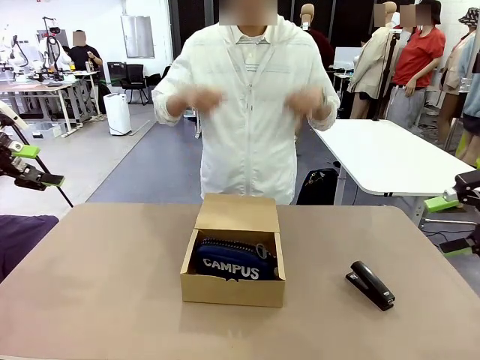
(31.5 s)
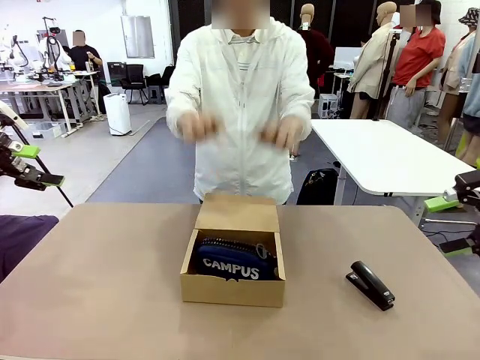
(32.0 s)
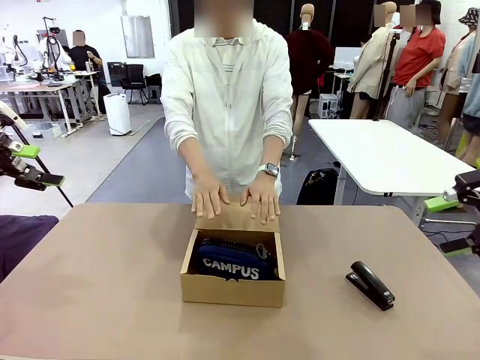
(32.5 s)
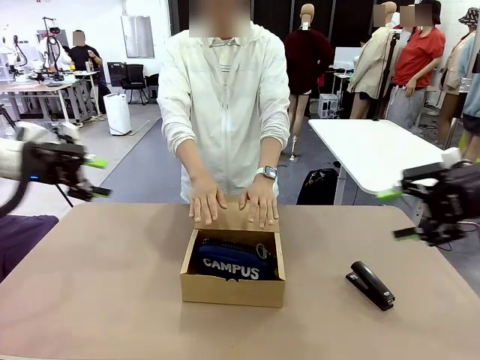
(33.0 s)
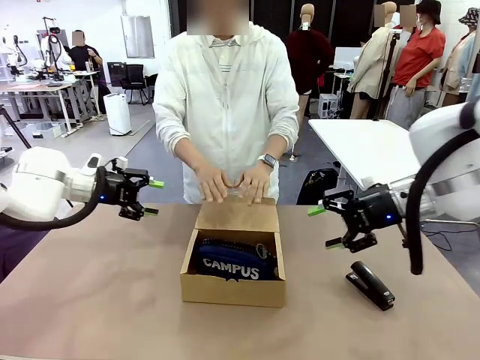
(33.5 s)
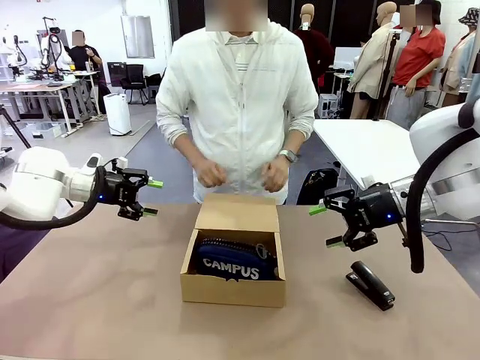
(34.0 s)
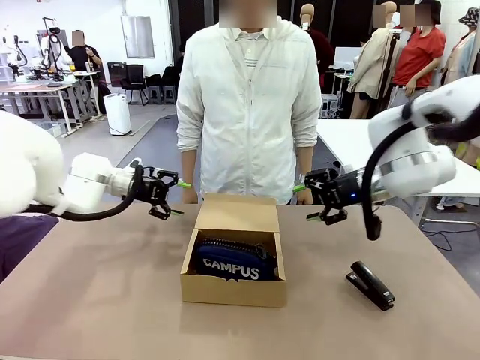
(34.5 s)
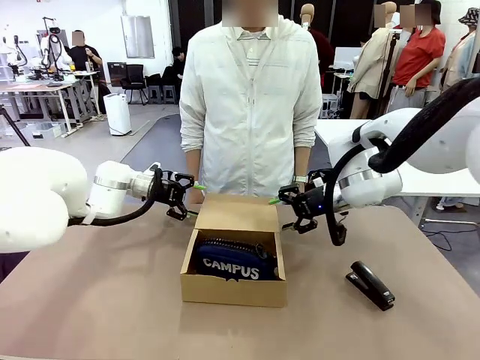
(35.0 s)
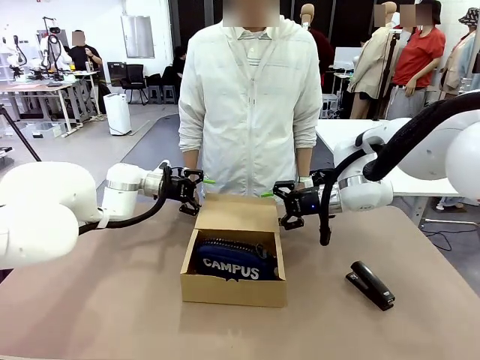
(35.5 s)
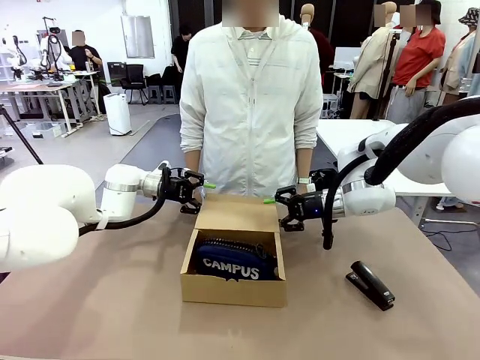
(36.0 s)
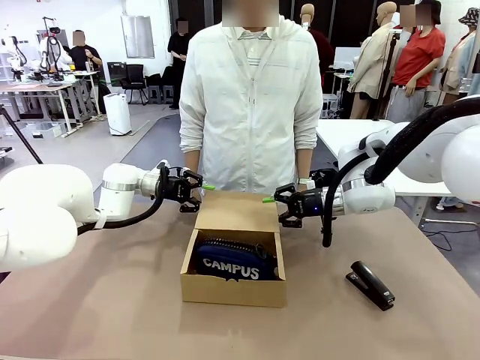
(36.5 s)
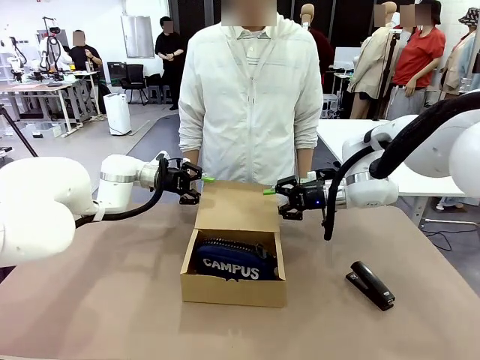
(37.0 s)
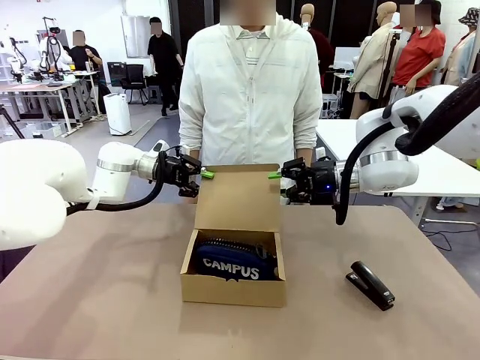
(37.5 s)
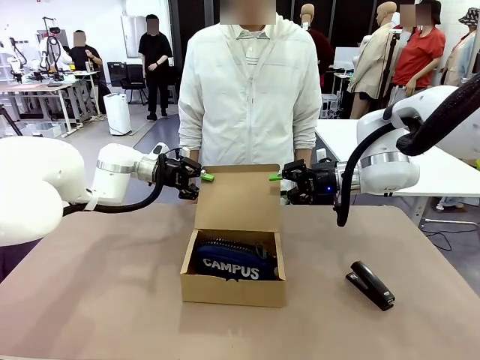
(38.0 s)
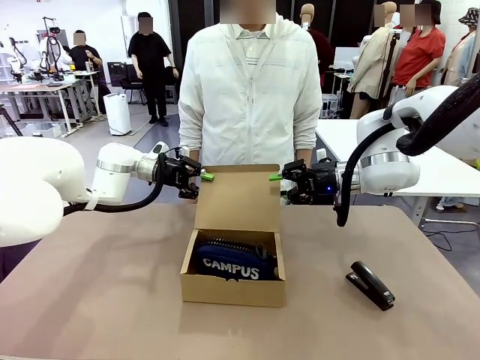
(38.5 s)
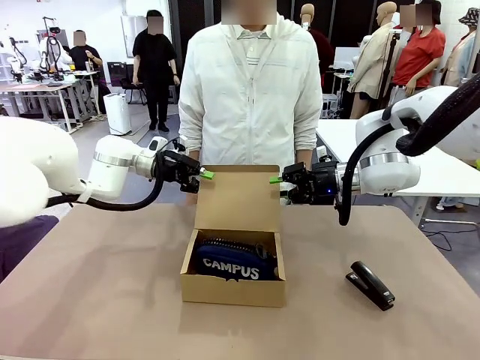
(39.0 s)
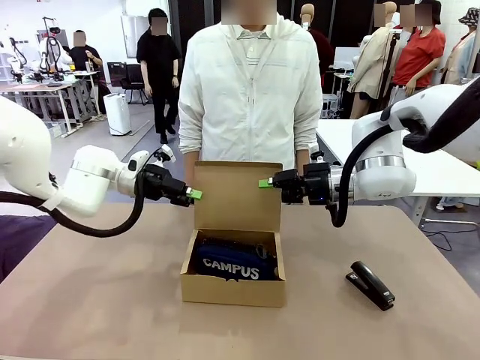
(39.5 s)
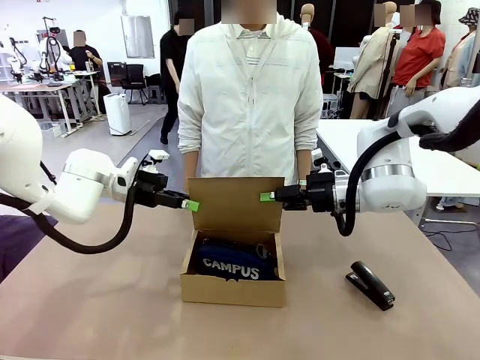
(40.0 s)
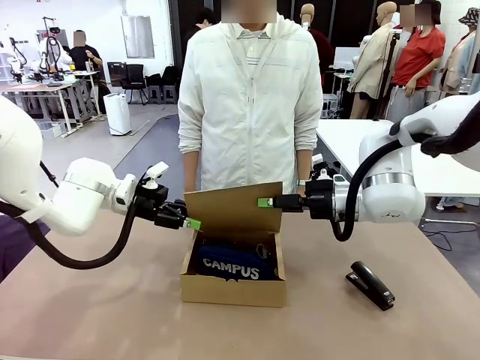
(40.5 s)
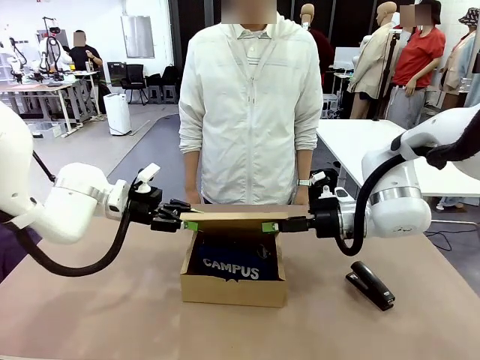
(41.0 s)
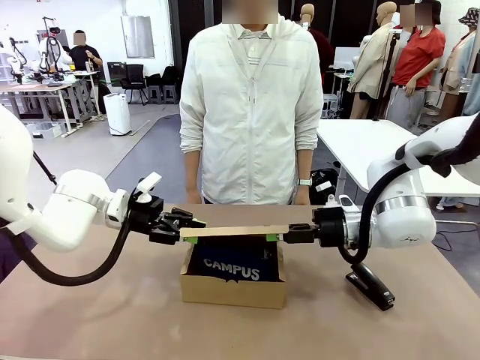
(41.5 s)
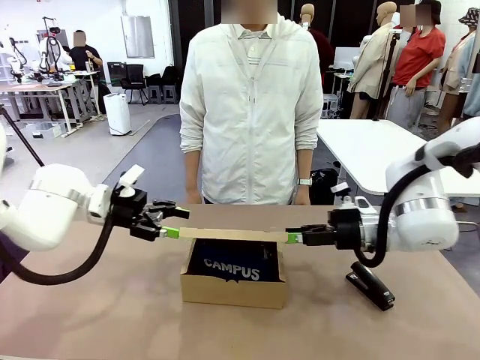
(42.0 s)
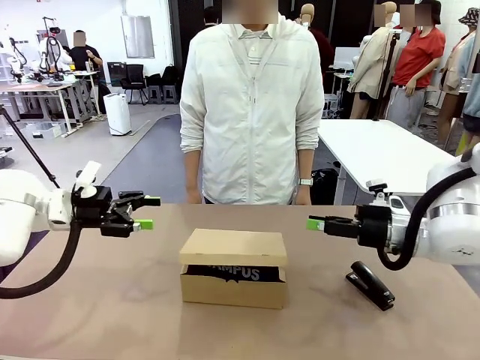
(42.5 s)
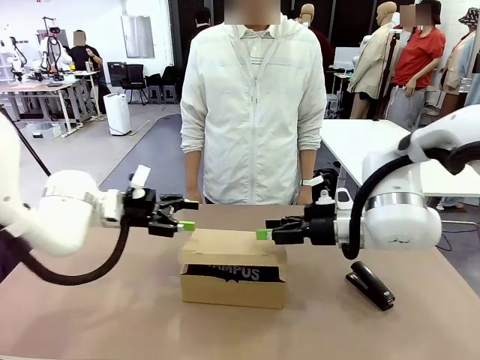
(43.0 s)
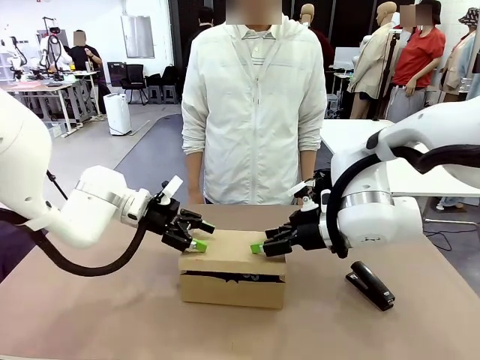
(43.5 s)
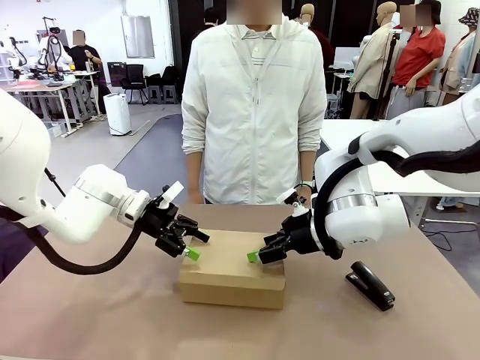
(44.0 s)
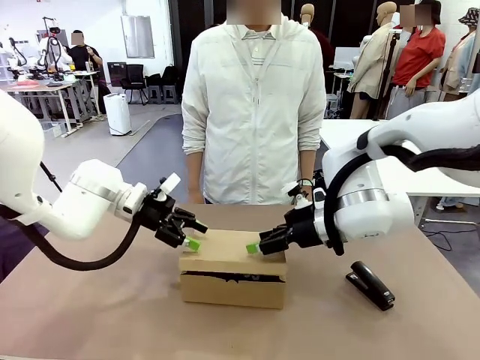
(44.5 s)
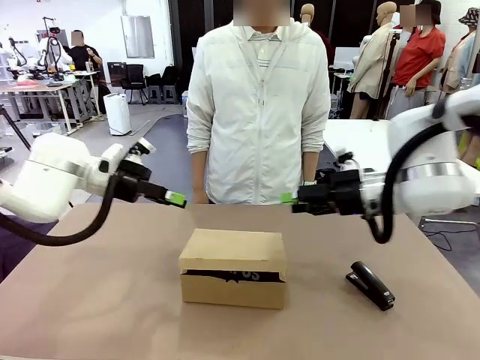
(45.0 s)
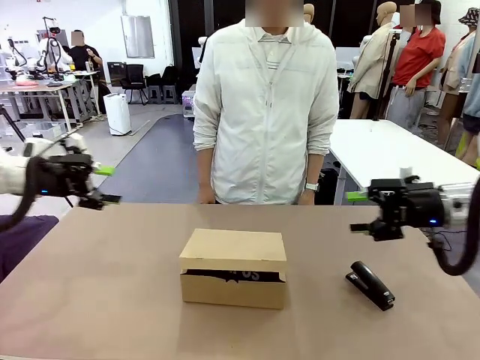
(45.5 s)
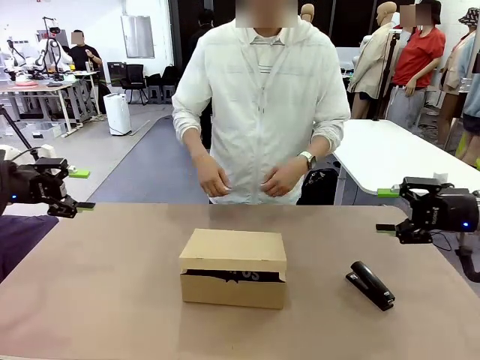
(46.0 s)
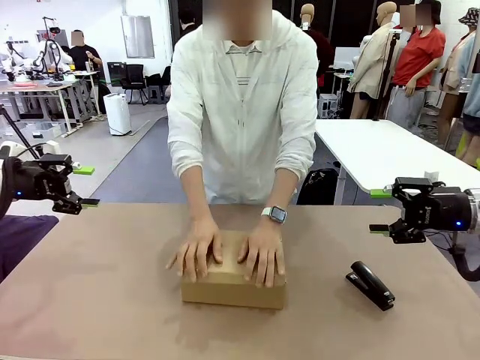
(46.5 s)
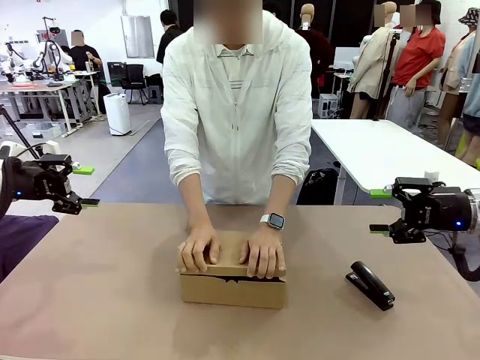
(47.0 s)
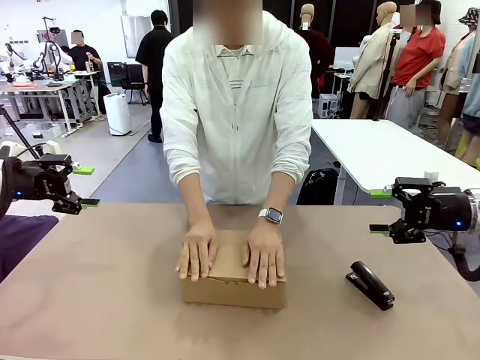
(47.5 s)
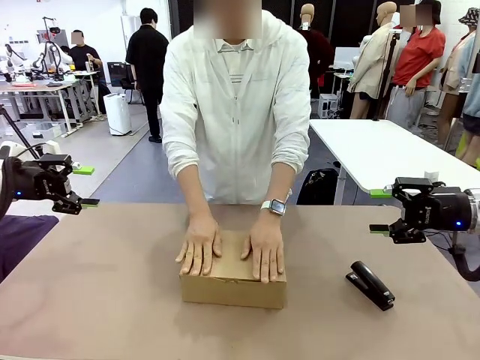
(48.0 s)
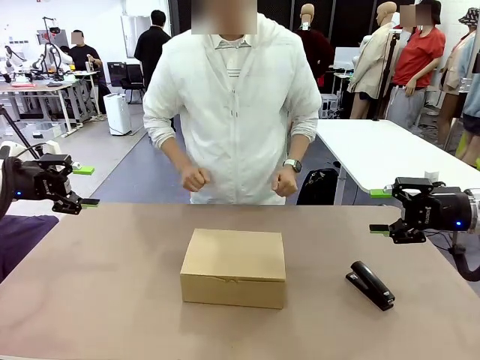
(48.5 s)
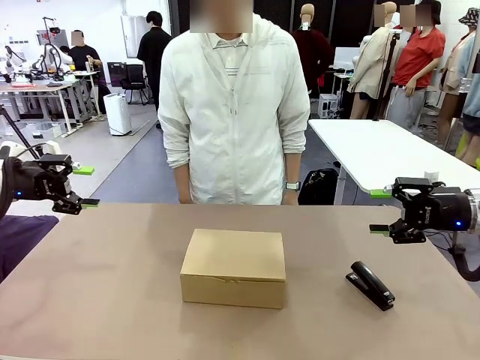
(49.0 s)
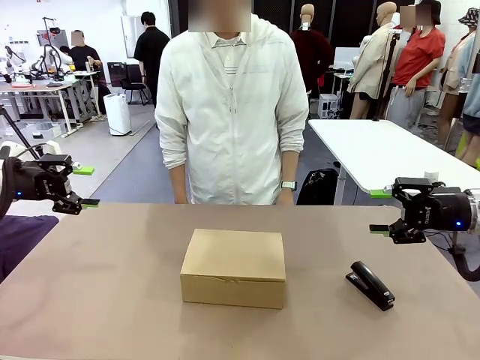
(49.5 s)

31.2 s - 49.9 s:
Task: Pack the items into the box.
Robot: Close the Mailer Box.
Person: Turn the box and lock it.

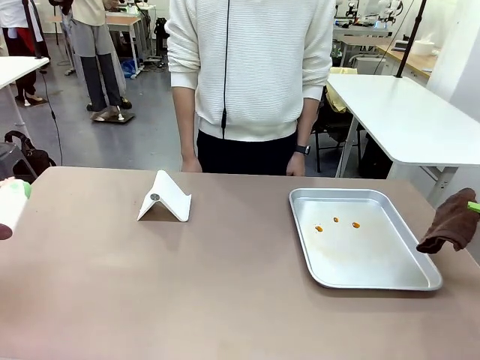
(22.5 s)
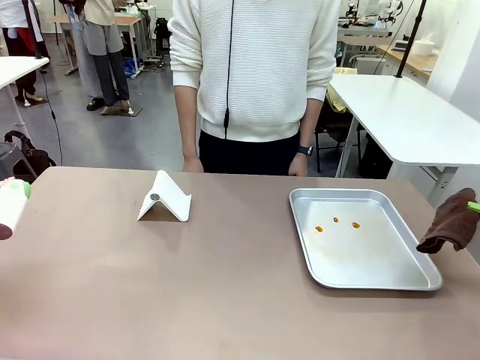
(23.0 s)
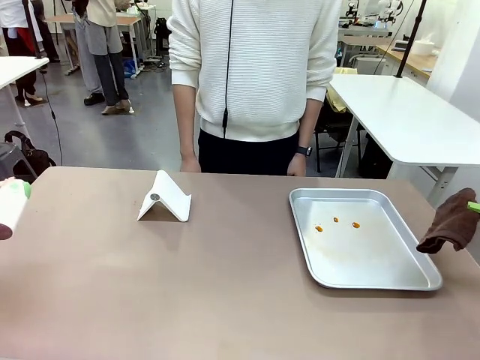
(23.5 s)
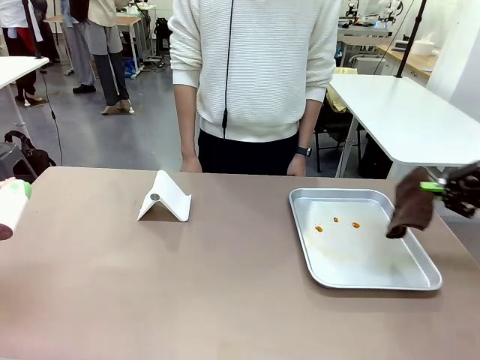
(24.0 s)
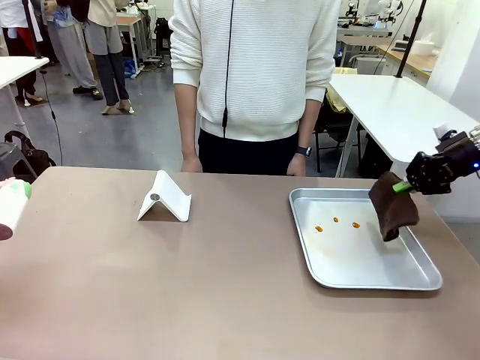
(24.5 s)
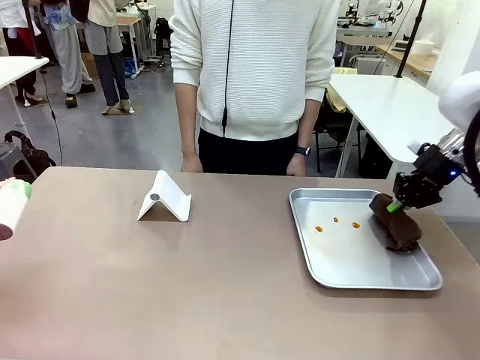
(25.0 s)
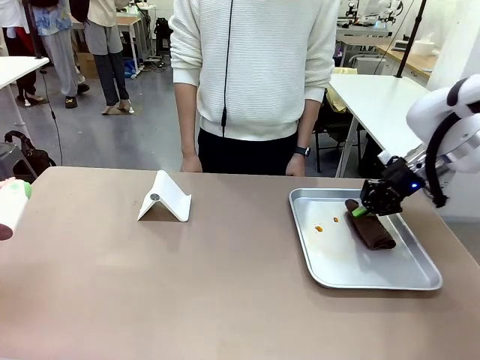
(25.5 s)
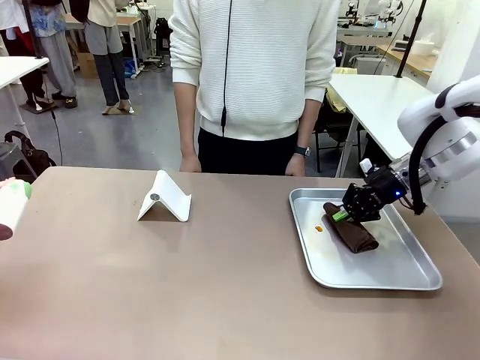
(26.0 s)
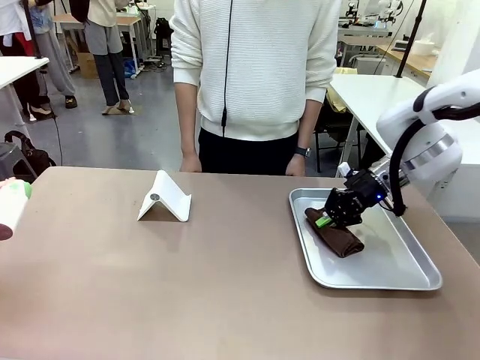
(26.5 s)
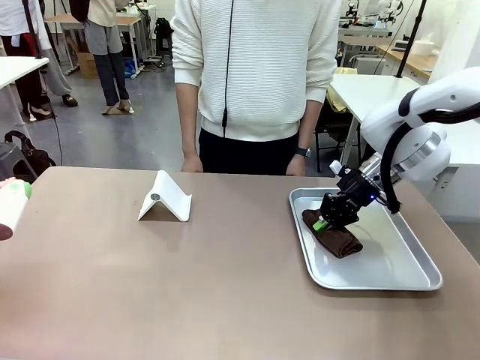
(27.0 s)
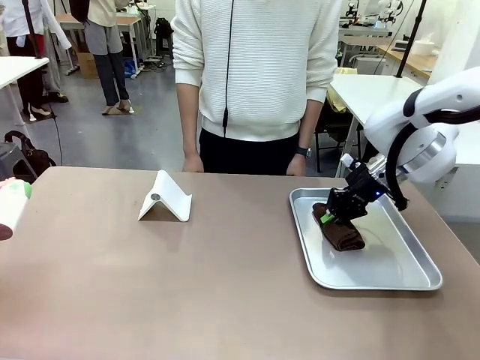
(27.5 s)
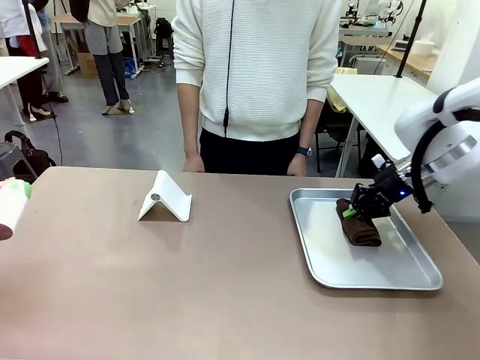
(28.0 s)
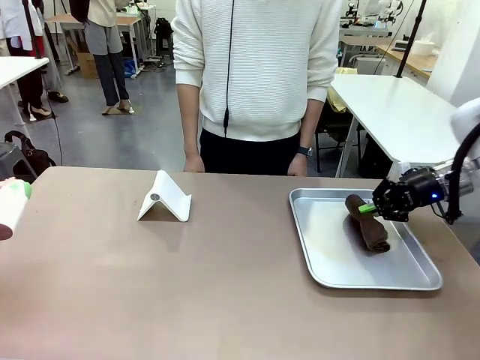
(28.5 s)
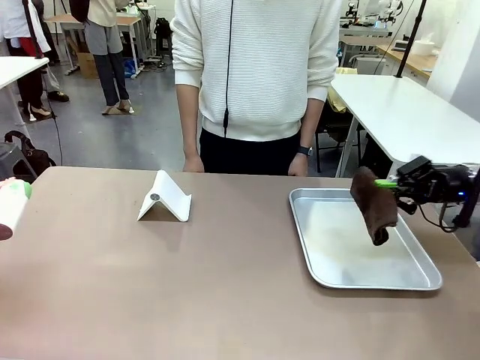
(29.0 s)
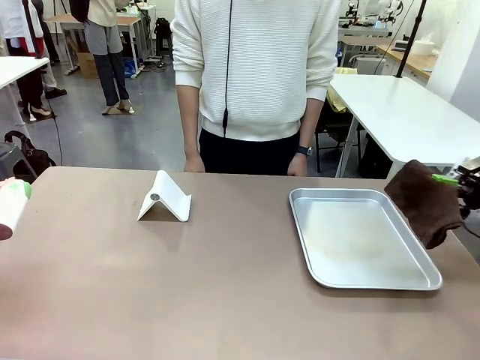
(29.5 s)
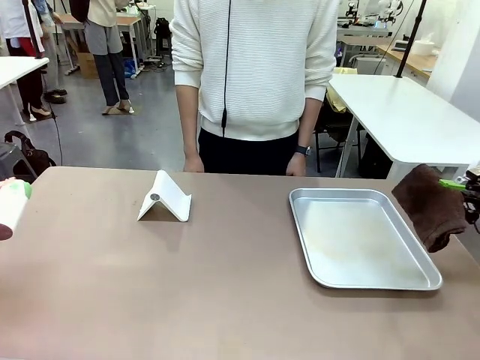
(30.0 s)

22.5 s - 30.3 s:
Task: Clean the surface of the table.
Robot: Clean the area not pointed to by the person.
